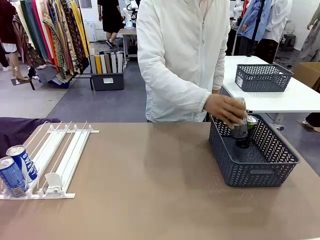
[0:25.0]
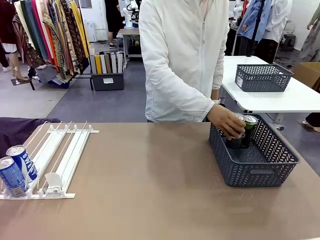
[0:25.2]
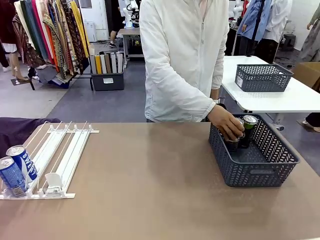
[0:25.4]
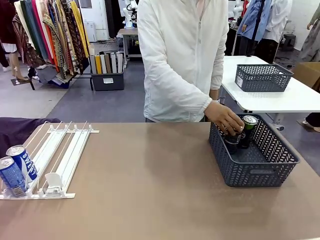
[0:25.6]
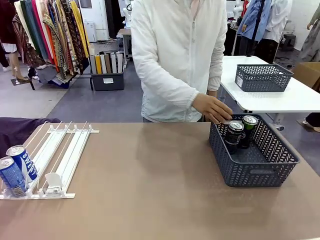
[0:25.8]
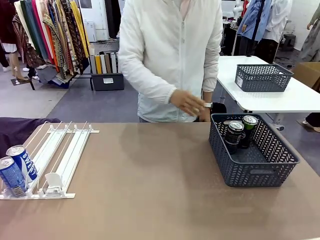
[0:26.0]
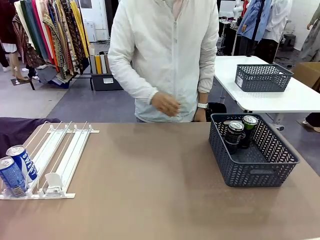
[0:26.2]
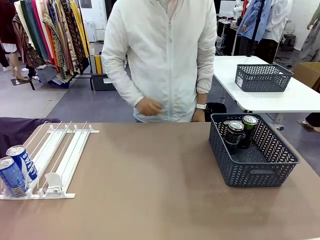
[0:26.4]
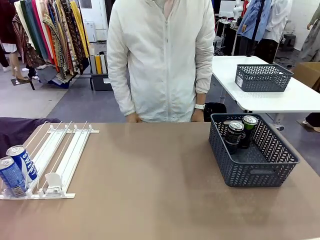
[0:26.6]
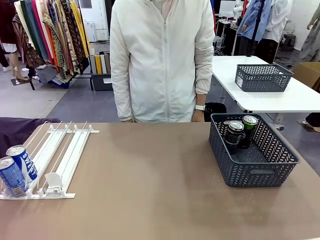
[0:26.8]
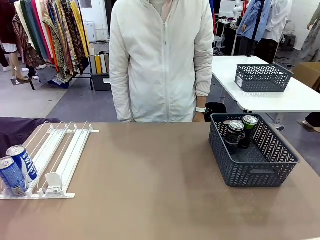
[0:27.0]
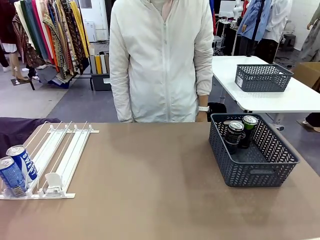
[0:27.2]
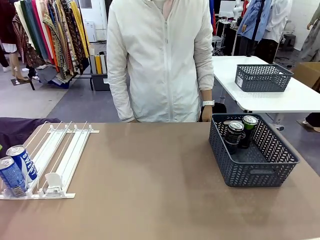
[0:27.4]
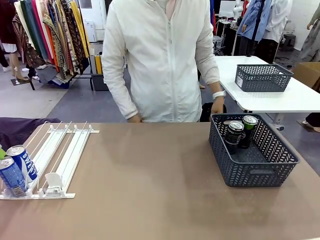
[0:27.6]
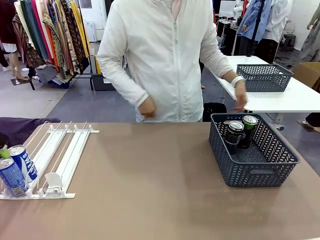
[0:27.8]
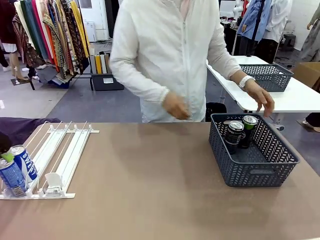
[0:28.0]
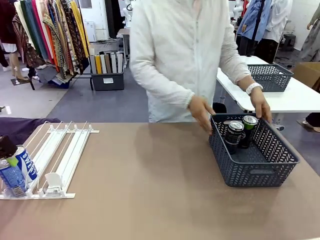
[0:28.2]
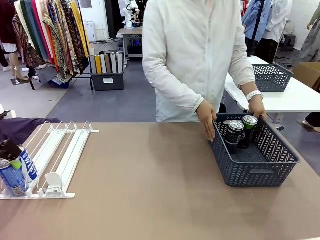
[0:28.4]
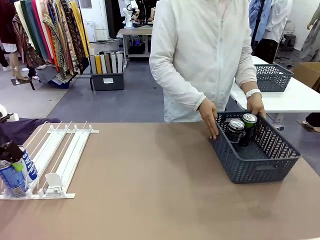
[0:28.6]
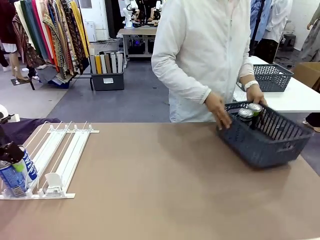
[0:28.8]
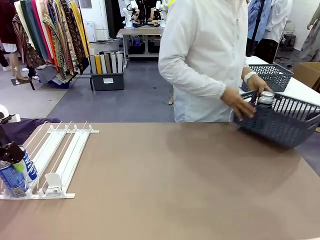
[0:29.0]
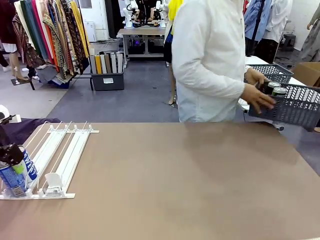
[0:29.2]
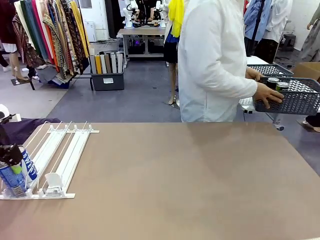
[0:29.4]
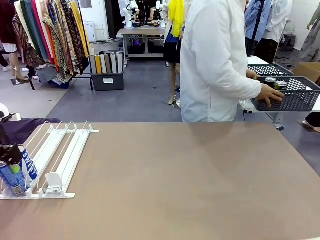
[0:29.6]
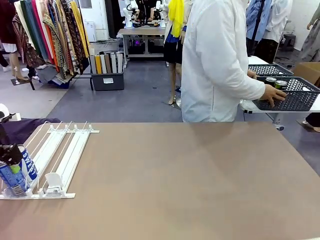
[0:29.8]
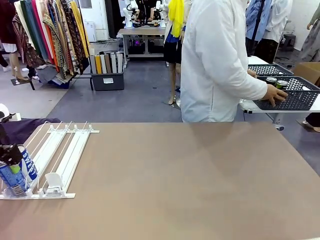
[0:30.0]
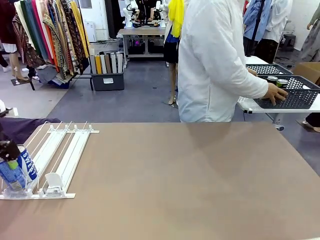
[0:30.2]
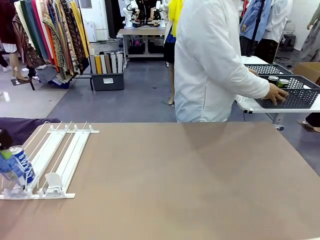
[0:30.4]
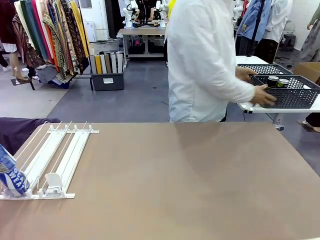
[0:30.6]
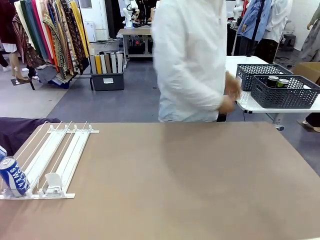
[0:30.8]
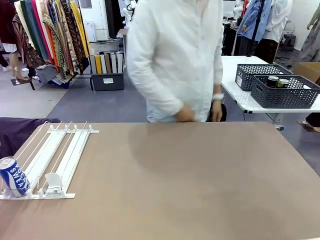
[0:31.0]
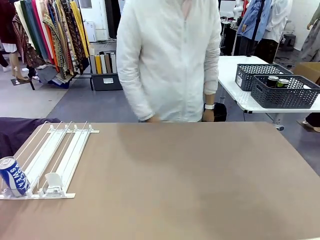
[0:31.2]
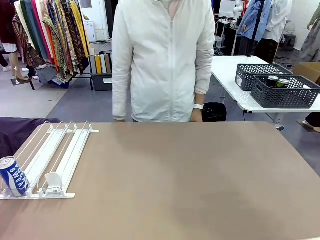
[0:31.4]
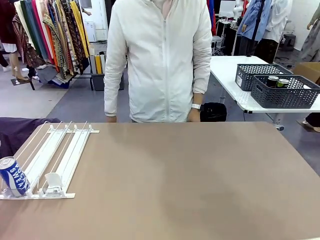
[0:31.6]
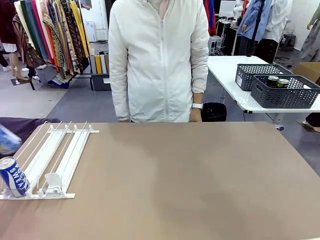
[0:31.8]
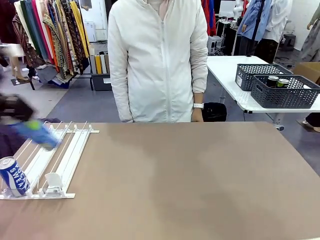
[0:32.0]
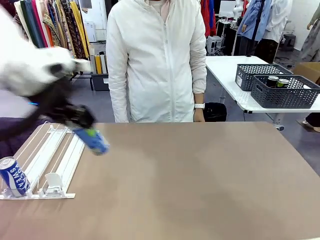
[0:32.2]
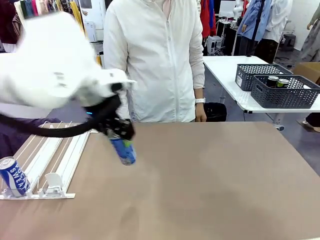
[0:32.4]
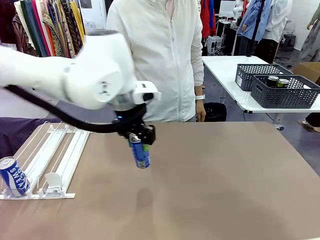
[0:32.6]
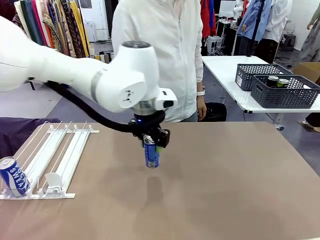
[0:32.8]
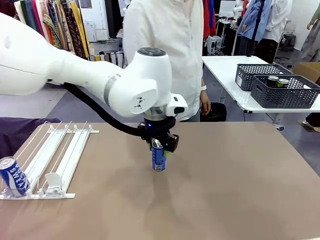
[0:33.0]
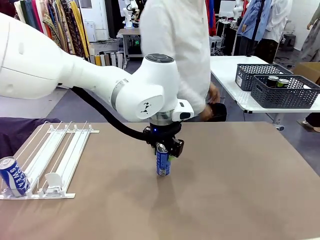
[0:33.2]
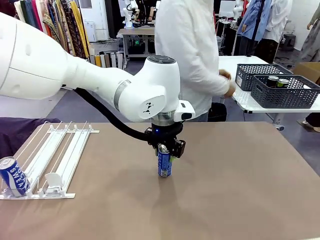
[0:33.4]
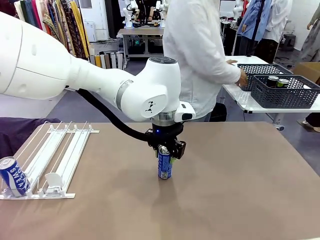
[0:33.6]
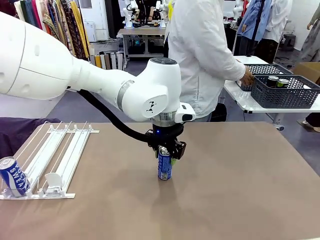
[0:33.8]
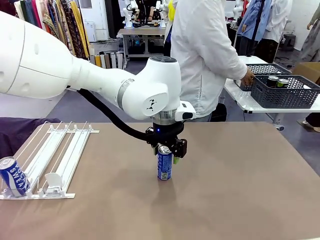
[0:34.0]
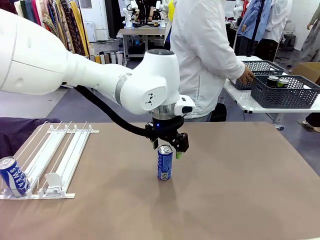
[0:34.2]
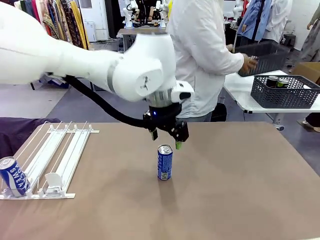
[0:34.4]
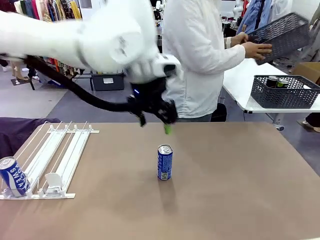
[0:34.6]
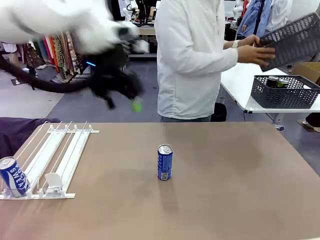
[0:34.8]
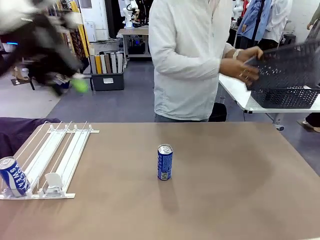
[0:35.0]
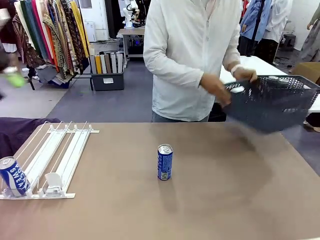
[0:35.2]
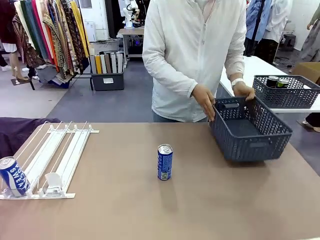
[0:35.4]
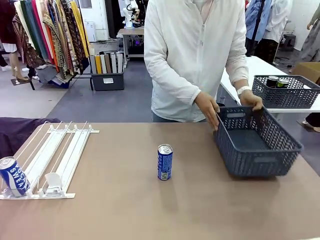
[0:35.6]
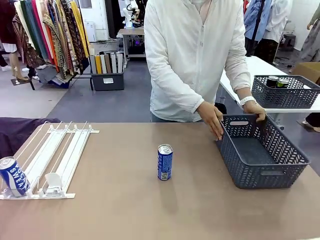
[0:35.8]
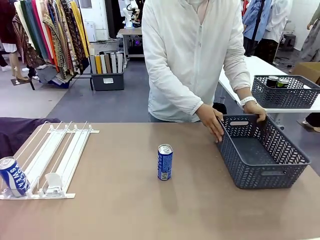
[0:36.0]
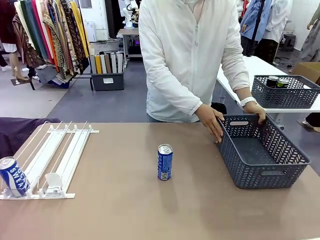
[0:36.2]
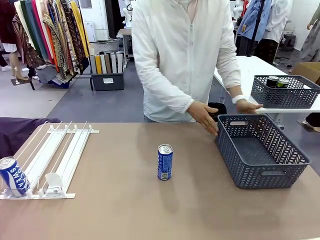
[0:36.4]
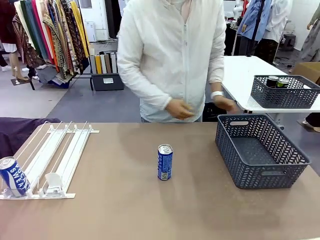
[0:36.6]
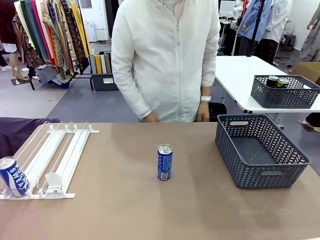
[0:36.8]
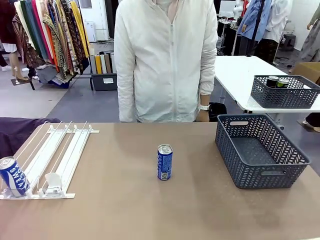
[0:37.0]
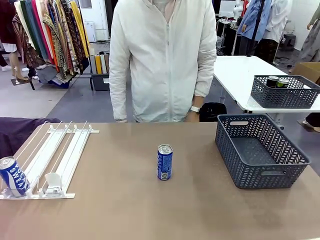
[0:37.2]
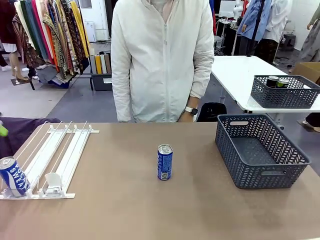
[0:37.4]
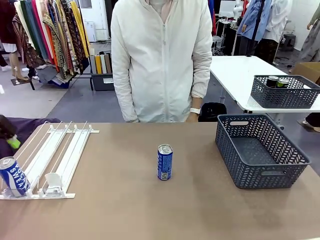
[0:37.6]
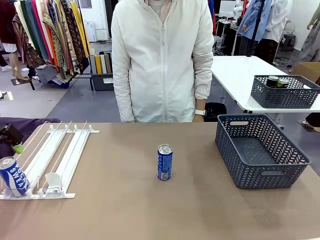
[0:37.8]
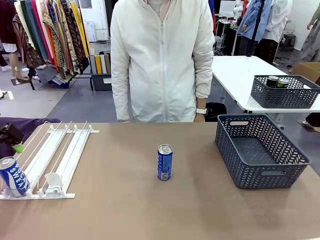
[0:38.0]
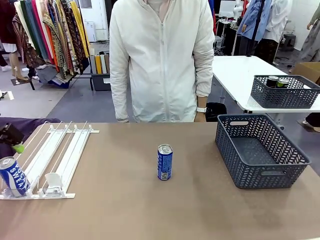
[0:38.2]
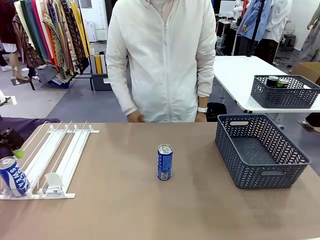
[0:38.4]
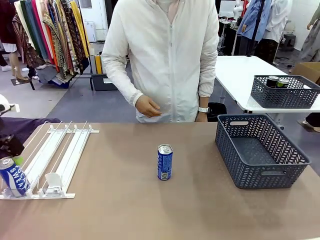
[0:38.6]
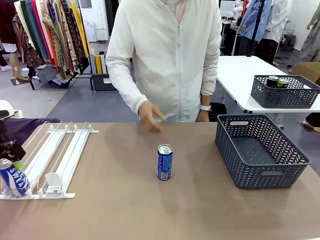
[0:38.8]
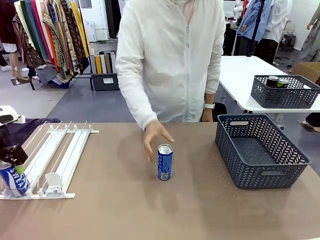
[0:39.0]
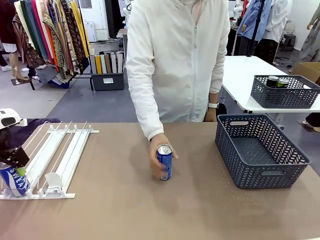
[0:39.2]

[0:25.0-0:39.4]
Task: Retrieve and store the cans from the dispenser.
Robot: Pick up one can from the Automatic Can Dispenser and place it in the middle of the table.
Person: Pick up the basket and place it in the middle of the human table. Pick up the empty basket and place it on the left side of the robot table.
